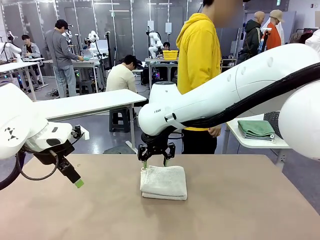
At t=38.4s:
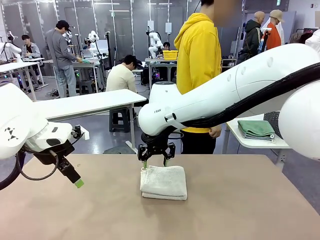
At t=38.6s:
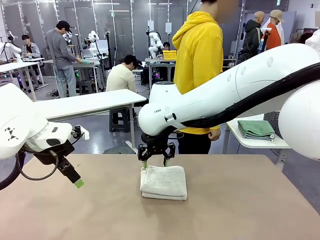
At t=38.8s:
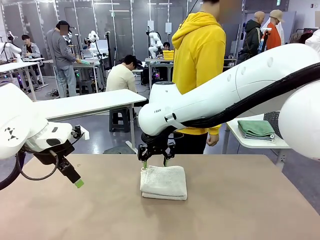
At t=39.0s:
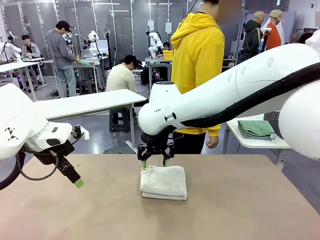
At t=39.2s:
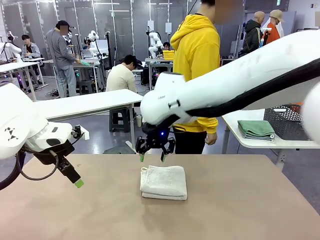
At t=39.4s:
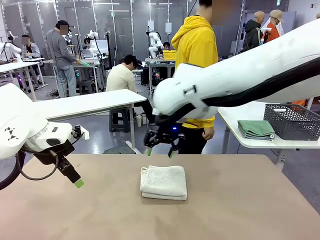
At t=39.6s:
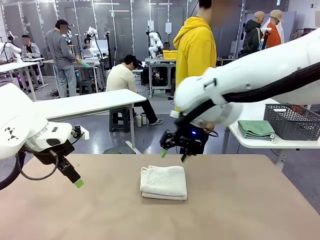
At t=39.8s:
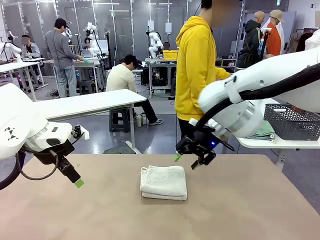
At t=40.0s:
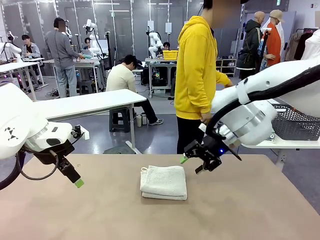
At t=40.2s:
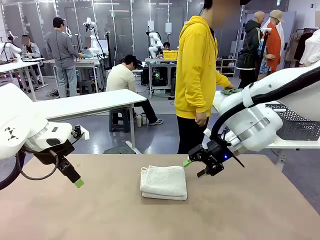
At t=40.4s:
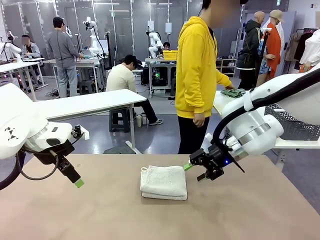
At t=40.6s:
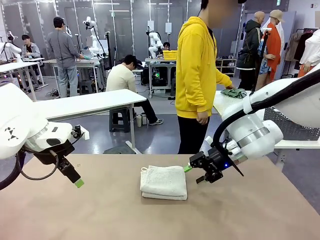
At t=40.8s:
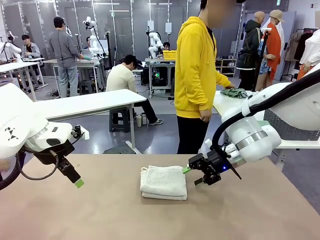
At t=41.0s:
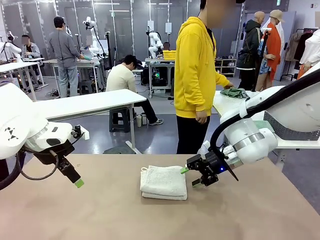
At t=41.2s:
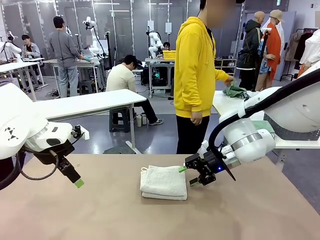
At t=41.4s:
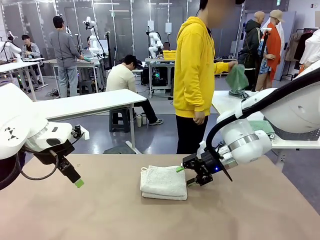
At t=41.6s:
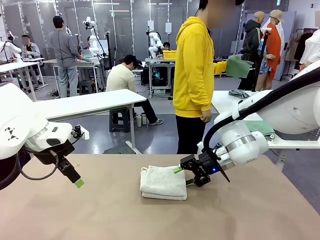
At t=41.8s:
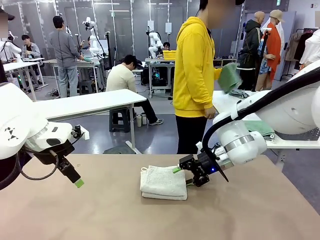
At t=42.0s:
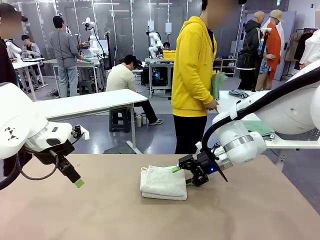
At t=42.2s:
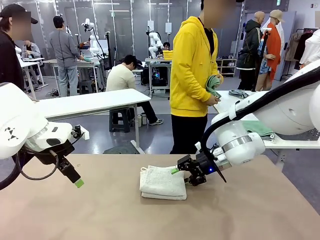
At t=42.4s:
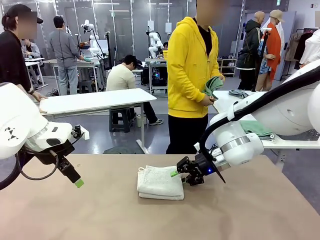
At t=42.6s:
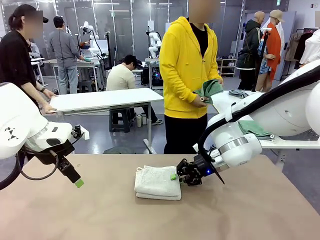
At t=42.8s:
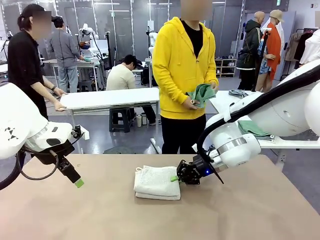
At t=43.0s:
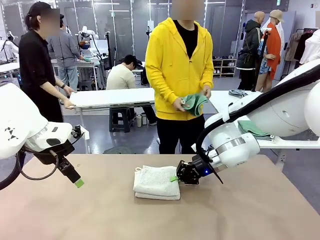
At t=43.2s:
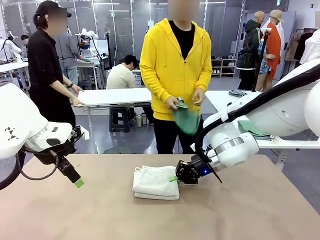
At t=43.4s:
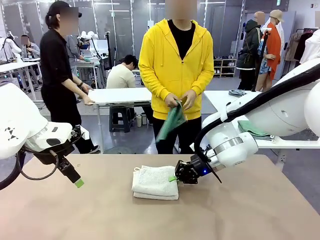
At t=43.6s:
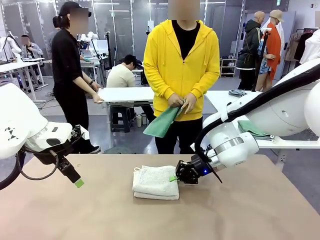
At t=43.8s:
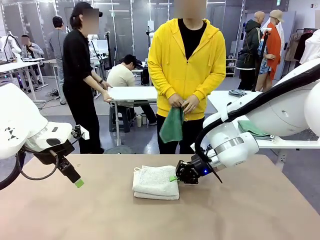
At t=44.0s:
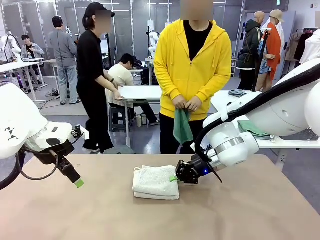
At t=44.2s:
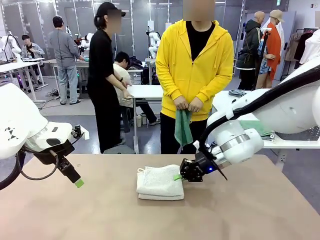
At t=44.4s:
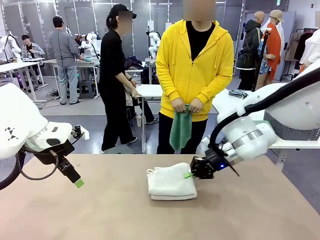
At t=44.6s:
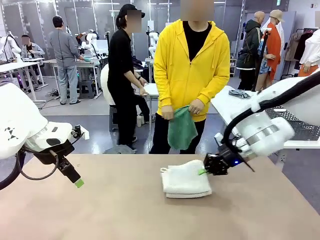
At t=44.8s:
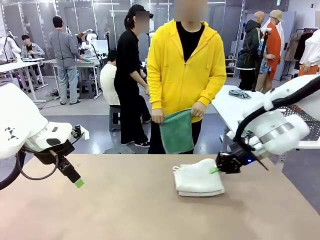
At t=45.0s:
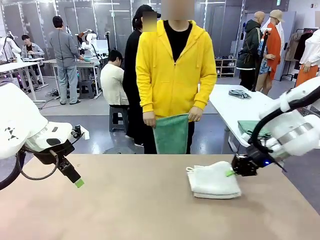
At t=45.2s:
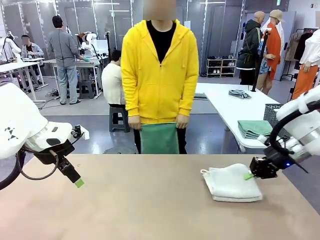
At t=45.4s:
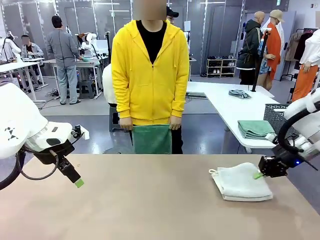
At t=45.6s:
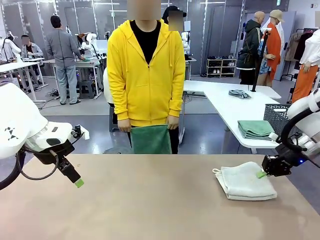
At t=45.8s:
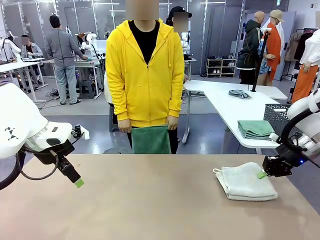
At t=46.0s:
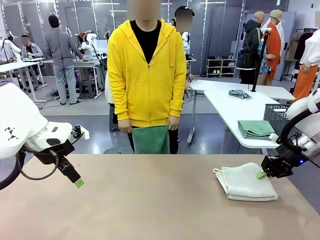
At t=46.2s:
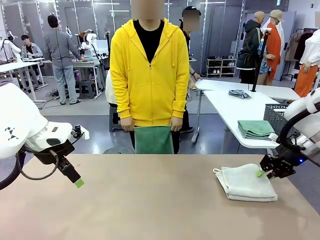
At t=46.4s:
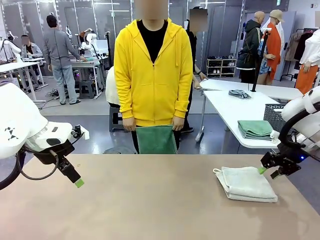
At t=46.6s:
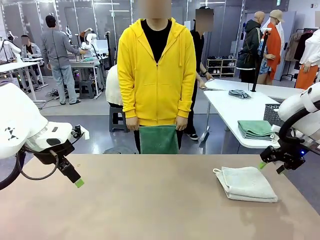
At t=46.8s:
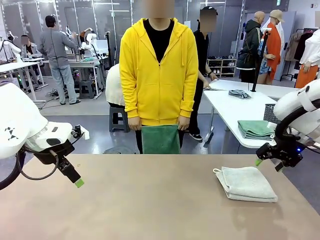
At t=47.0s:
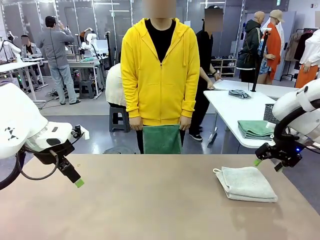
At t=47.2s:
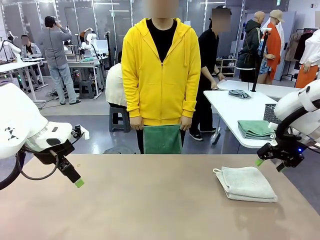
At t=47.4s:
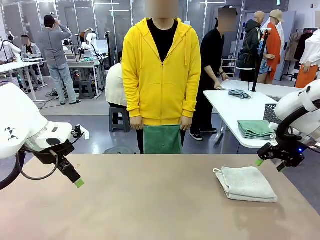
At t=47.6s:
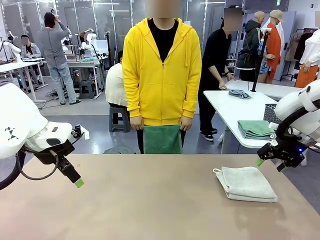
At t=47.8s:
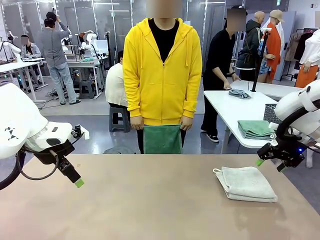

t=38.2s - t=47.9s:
Task: Fold the towels and place them in the basket.
Robot: Place the folded Towel with hook on the right side of the table.
Person: Pick up one towel from the left side of the human table and spread it out at the center of the robot table.

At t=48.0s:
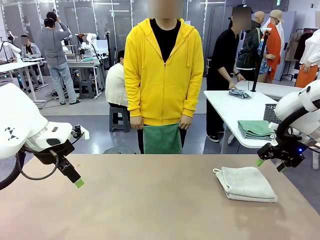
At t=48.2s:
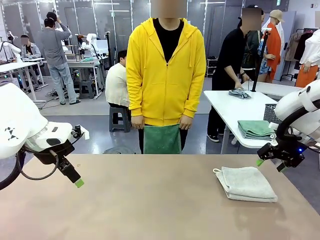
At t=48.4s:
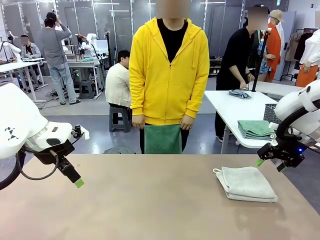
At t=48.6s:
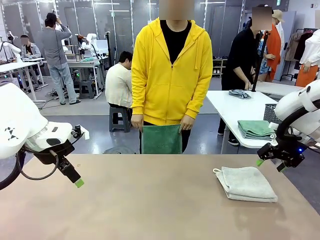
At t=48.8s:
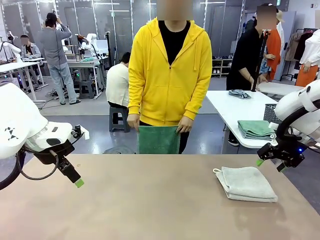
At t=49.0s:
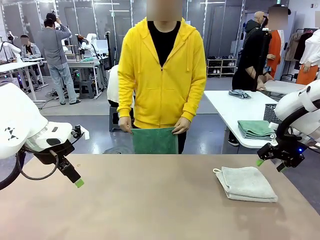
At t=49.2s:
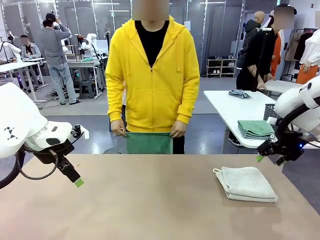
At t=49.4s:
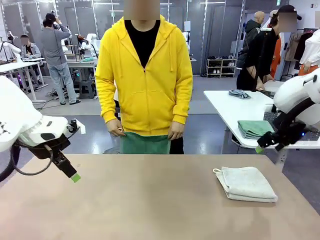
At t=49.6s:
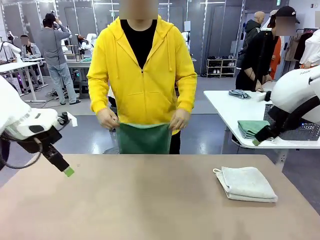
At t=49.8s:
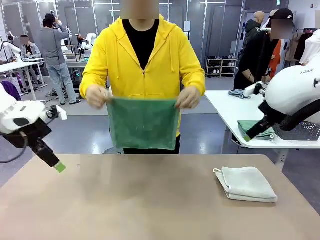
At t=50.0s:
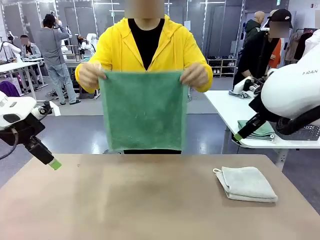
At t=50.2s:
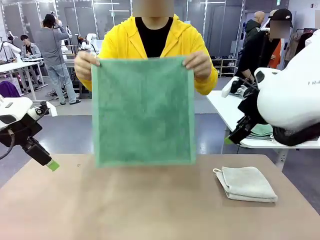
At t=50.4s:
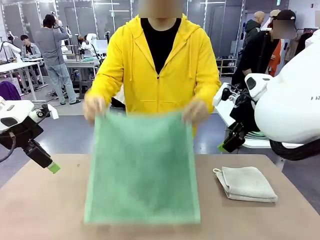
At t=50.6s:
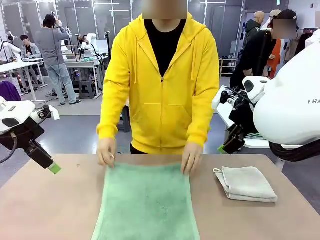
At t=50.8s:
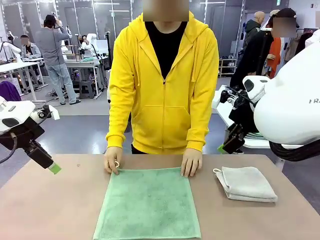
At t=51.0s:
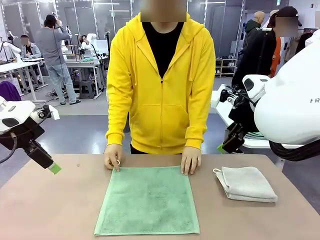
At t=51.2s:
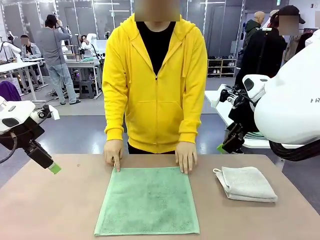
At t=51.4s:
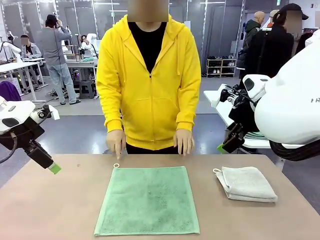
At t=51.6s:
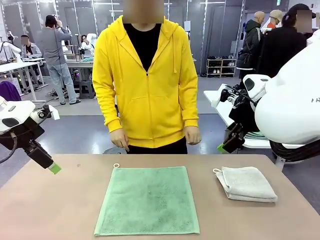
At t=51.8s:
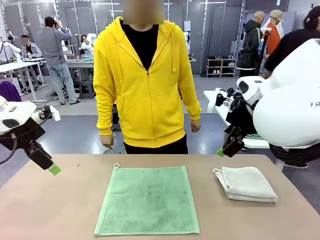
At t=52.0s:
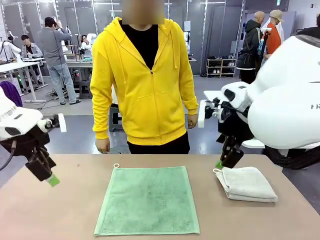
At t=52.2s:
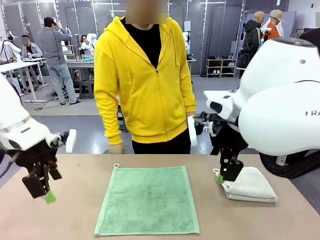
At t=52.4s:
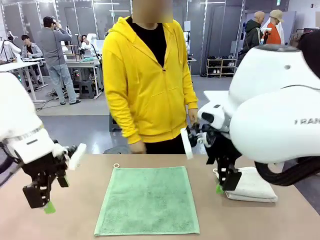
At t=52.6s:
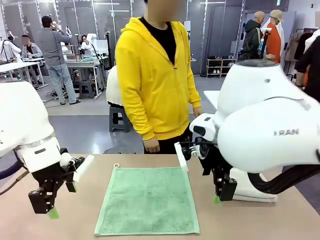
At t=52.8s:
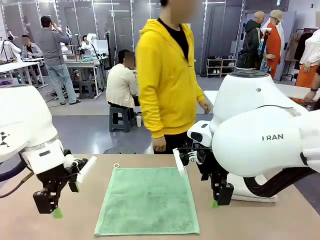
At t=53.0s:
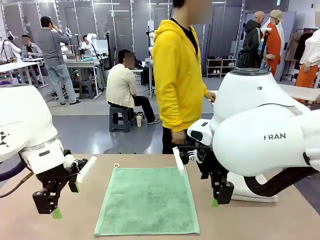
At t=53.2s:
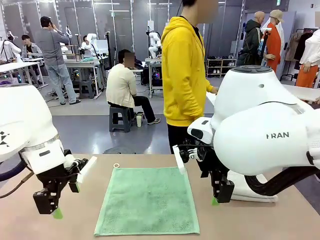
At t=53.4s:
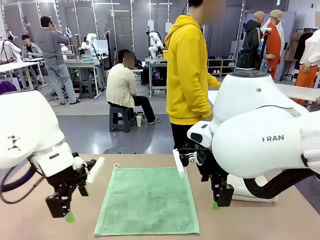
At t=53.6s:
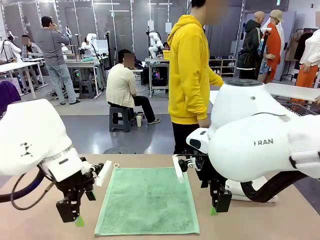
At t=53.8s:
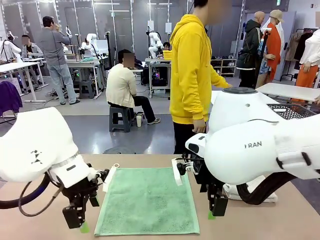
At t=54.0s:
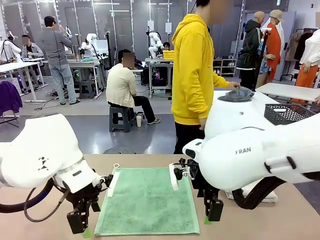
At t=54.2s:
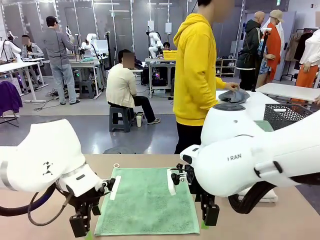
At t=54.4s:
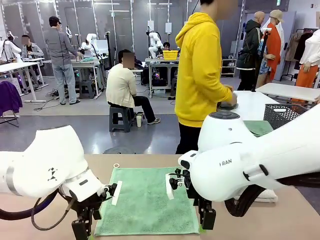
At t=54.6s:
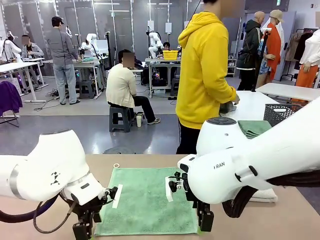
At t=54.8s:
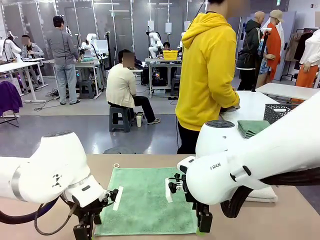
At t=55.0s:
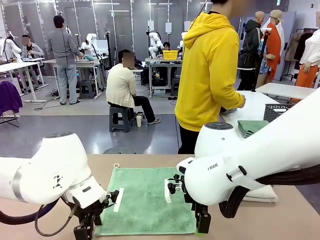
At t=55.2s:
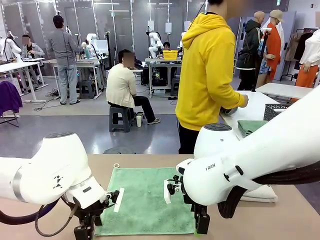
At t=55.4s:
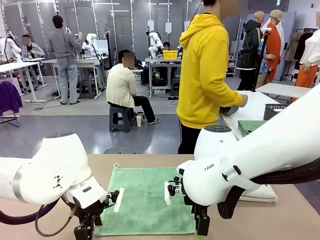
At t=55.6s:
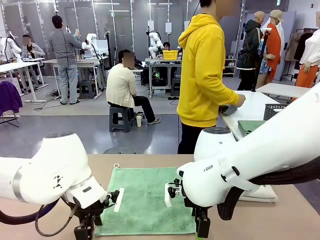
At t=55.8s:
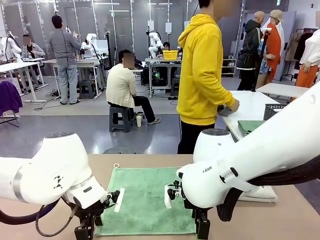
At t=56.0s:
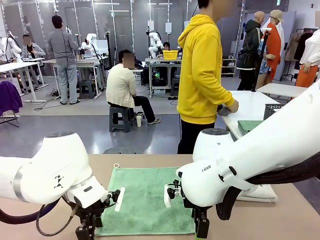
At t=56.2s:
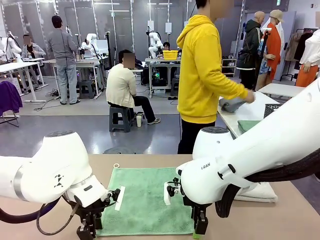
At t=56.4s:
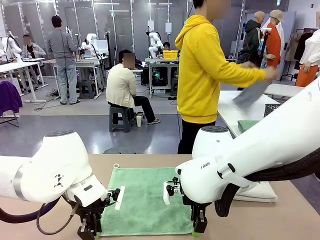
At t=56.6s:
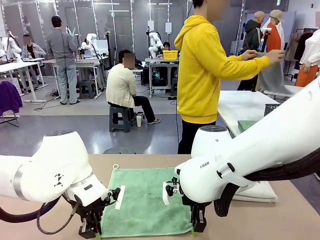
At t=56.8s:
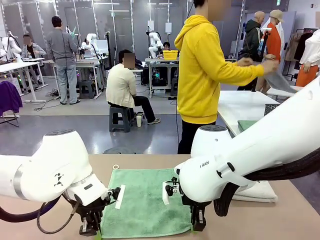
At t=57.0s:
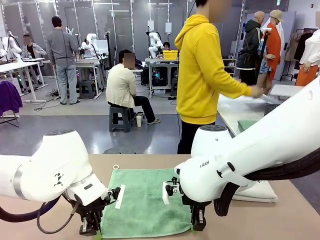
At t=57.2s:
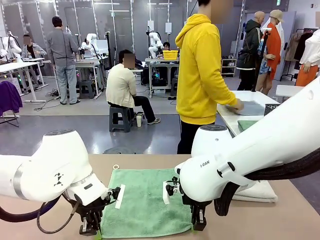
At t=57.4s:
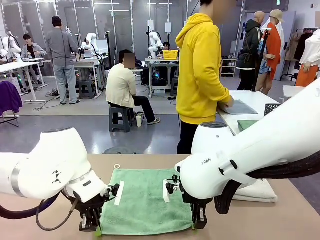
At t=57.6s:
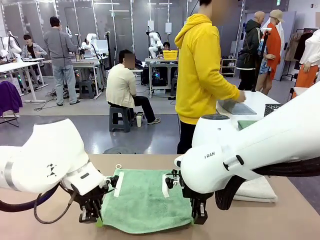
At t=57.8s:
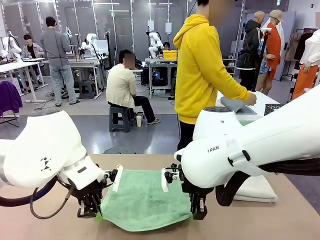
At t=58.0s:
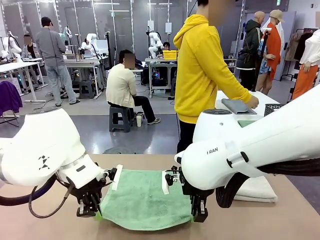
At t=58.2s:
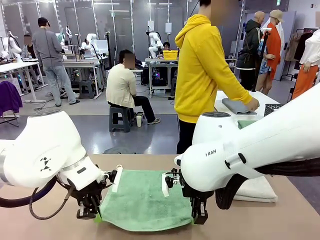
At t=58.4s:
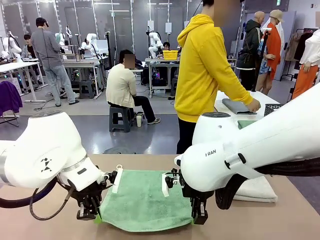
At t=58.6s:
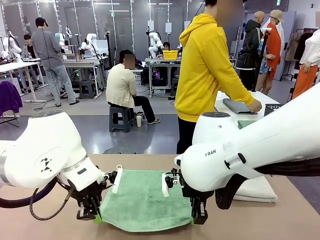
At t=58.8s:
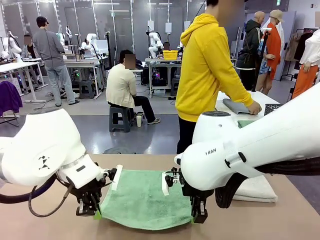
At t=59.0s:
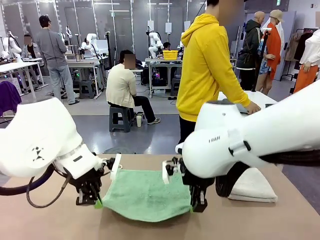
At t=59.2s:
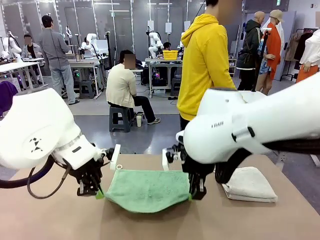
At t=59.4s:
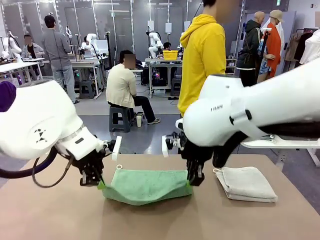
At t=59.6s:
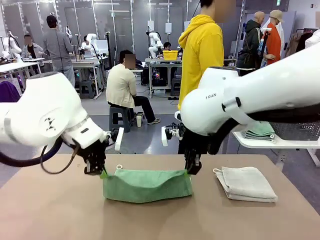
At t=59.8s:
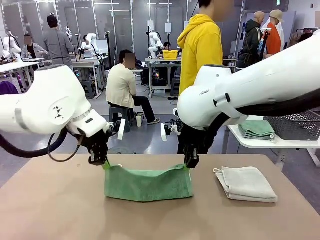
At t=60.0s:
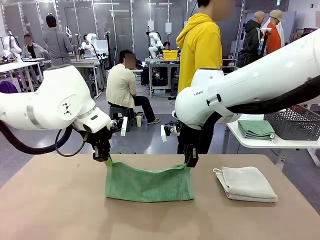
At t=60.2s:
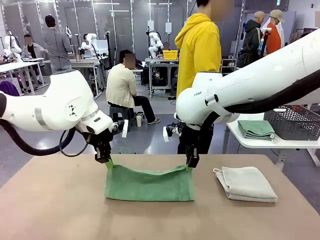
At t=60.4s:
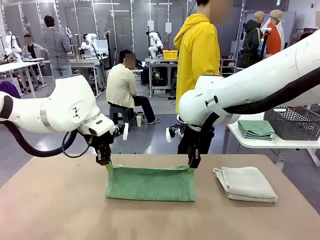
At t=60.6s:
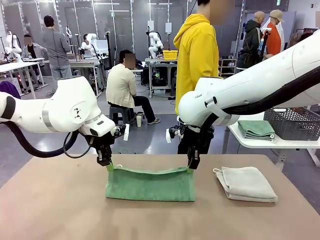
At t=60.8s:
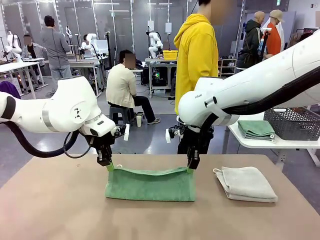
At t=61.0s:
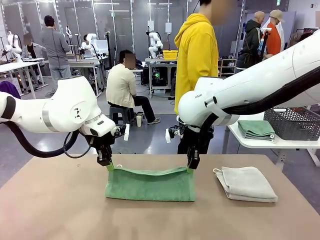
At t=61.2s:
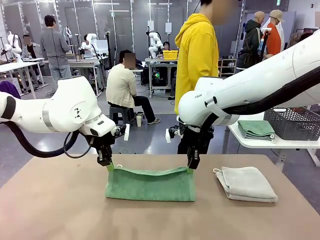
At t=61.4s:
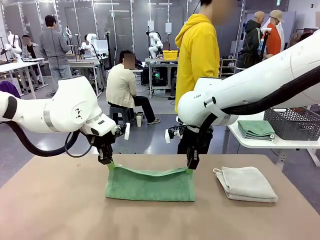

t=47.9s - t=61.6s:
Robot: When a person lays out a Towel with hook on the table, fold it in half twice.
Person: Pick up one towel from the left side of the human table, fold it in half twice, and stack it on the right side of the table.
